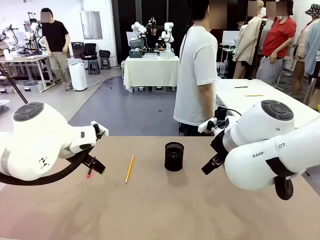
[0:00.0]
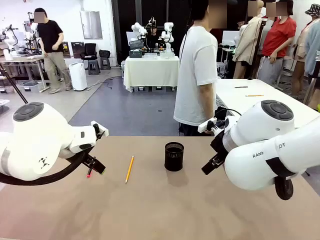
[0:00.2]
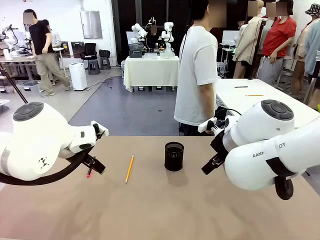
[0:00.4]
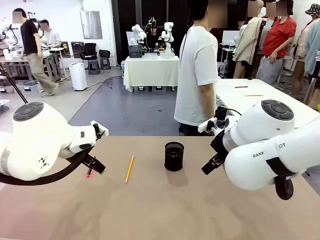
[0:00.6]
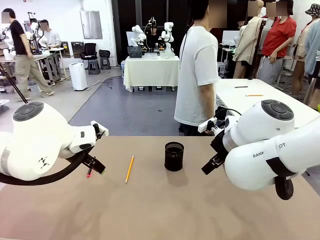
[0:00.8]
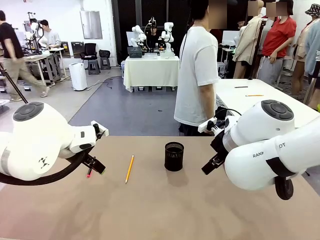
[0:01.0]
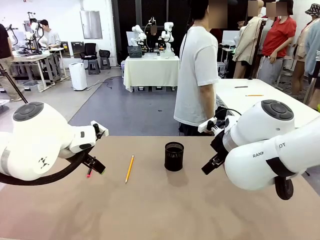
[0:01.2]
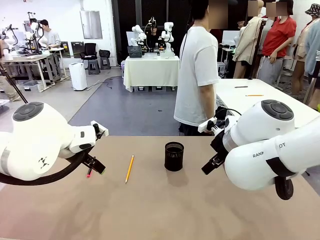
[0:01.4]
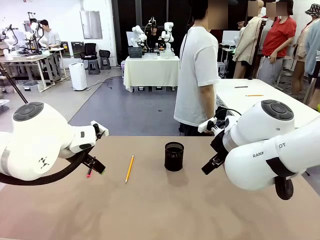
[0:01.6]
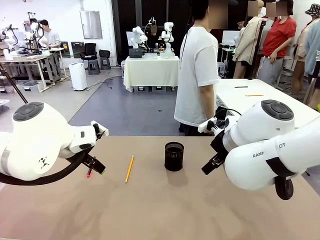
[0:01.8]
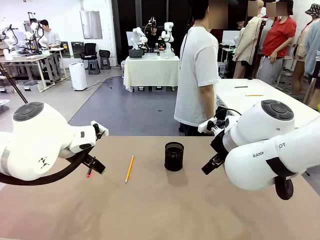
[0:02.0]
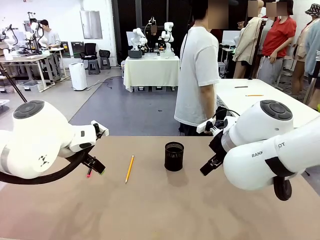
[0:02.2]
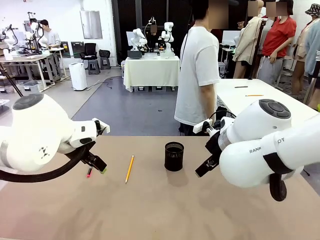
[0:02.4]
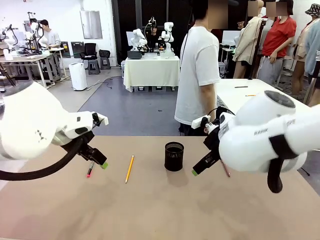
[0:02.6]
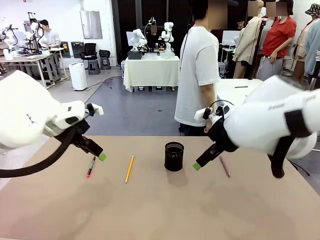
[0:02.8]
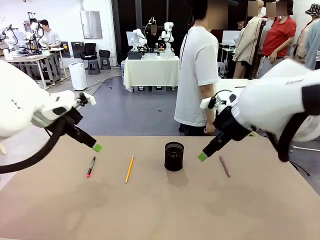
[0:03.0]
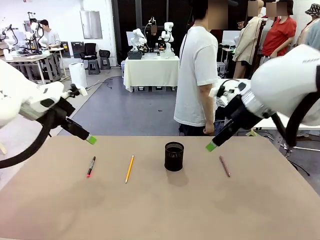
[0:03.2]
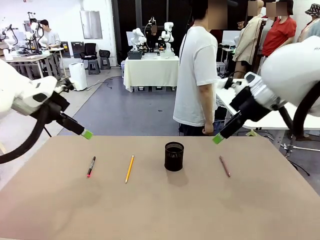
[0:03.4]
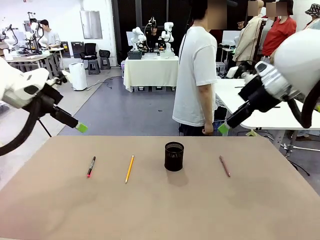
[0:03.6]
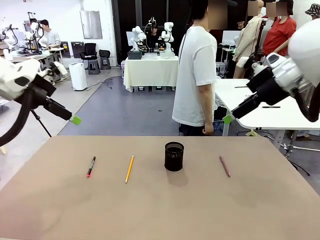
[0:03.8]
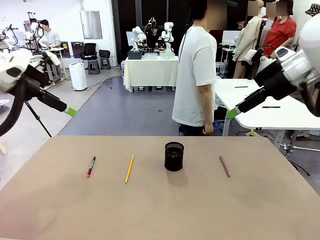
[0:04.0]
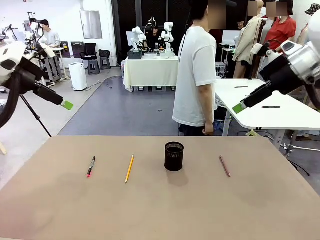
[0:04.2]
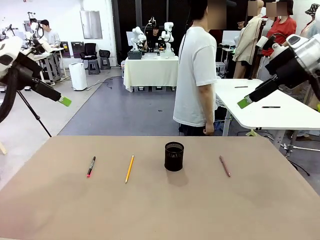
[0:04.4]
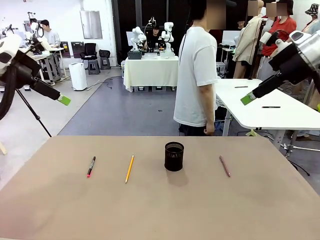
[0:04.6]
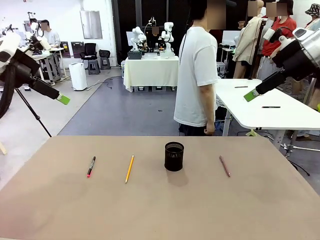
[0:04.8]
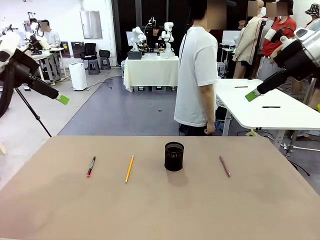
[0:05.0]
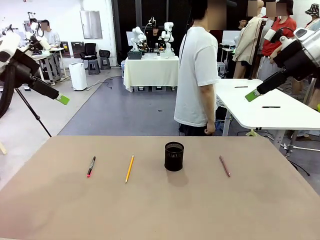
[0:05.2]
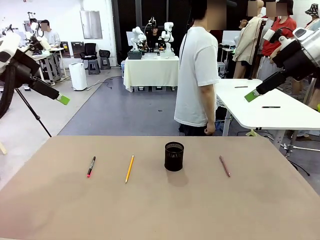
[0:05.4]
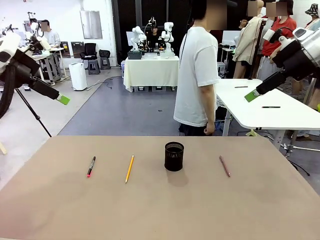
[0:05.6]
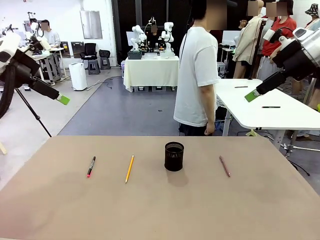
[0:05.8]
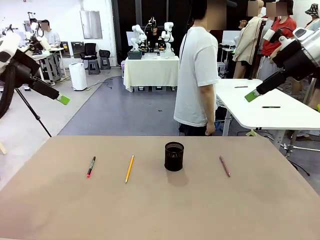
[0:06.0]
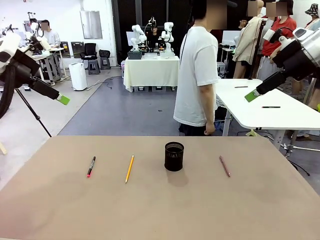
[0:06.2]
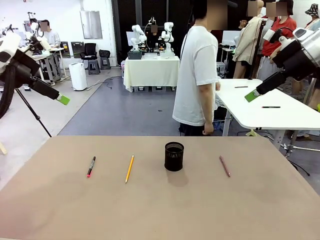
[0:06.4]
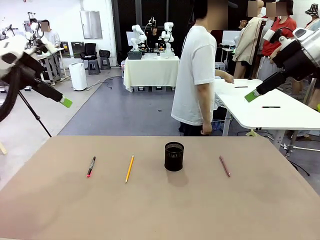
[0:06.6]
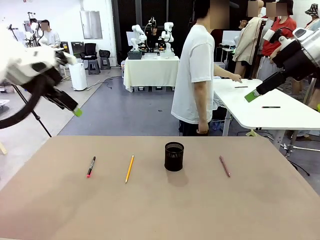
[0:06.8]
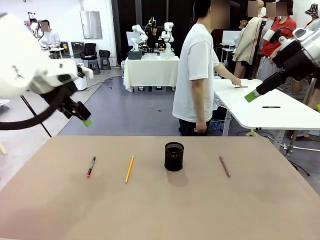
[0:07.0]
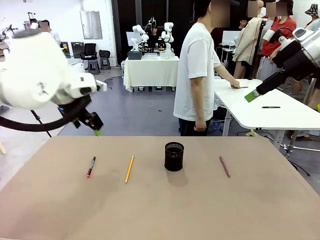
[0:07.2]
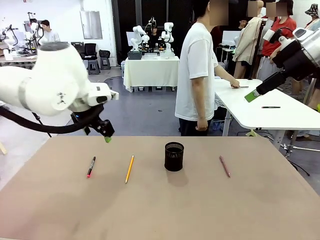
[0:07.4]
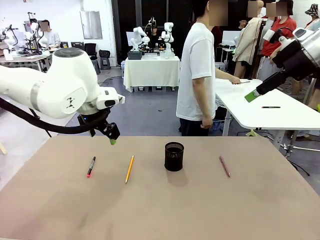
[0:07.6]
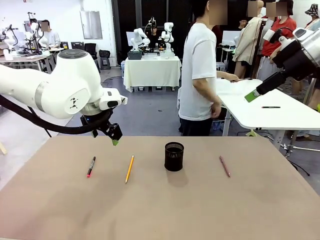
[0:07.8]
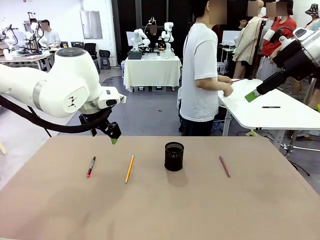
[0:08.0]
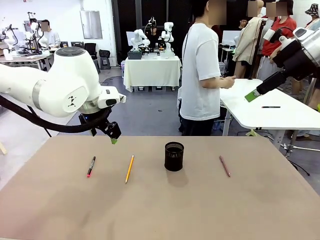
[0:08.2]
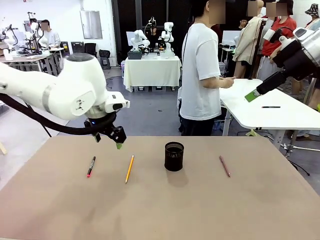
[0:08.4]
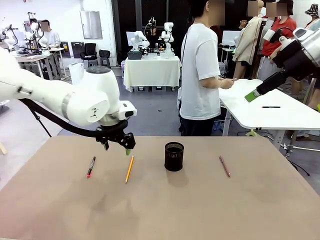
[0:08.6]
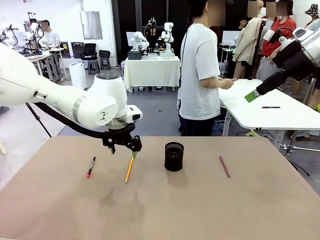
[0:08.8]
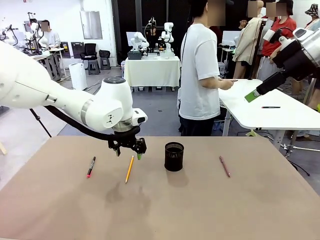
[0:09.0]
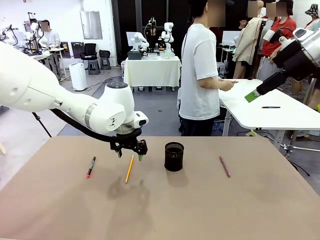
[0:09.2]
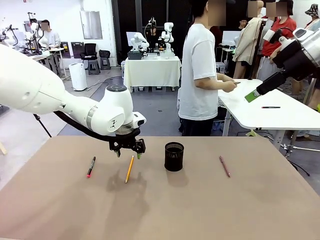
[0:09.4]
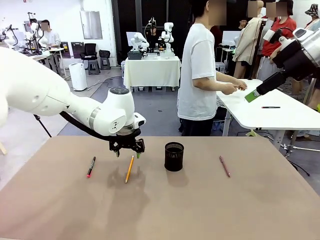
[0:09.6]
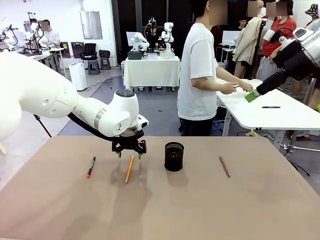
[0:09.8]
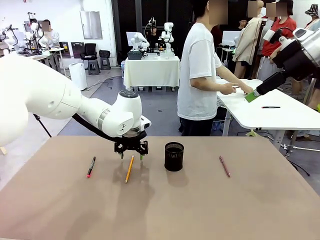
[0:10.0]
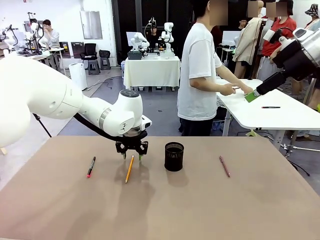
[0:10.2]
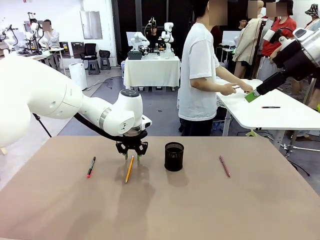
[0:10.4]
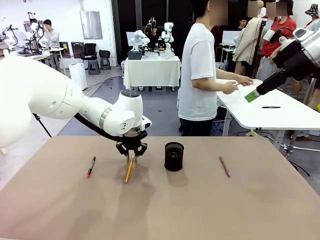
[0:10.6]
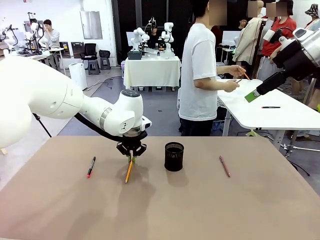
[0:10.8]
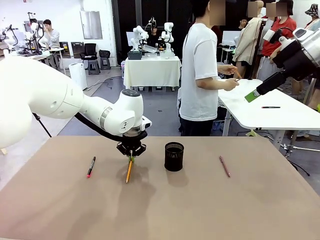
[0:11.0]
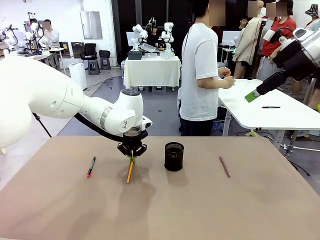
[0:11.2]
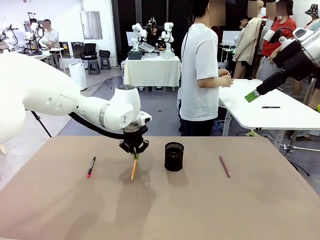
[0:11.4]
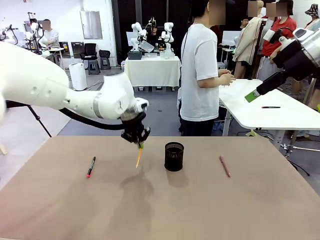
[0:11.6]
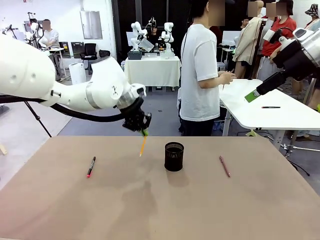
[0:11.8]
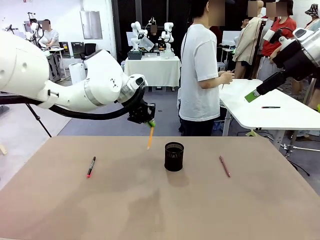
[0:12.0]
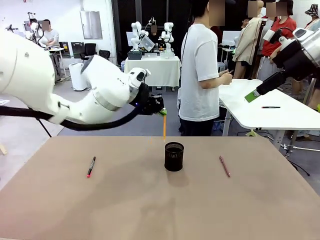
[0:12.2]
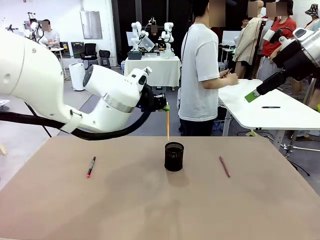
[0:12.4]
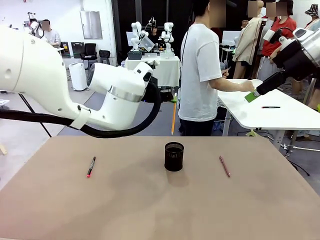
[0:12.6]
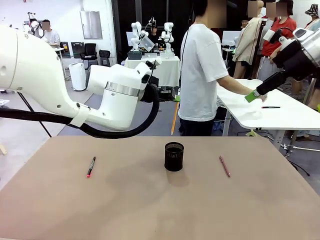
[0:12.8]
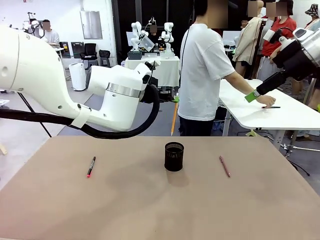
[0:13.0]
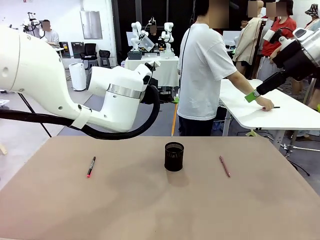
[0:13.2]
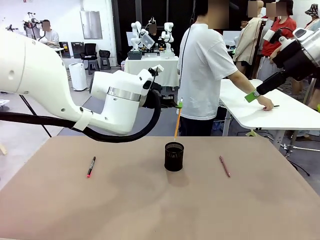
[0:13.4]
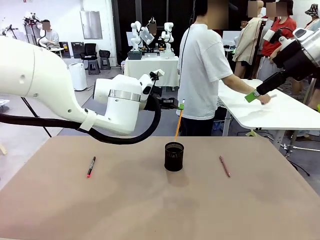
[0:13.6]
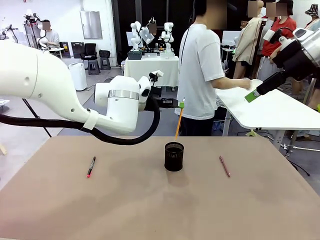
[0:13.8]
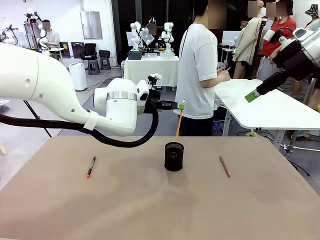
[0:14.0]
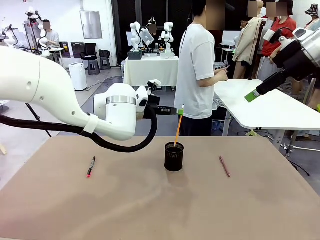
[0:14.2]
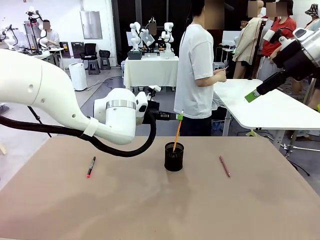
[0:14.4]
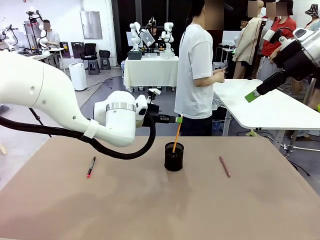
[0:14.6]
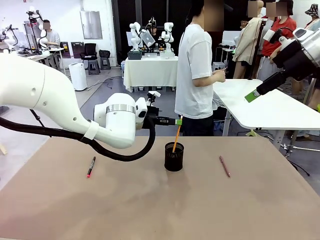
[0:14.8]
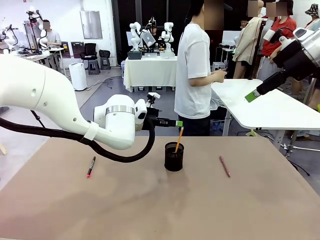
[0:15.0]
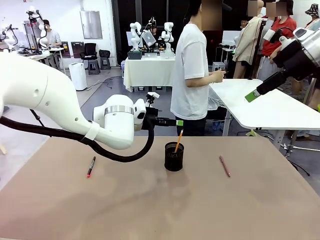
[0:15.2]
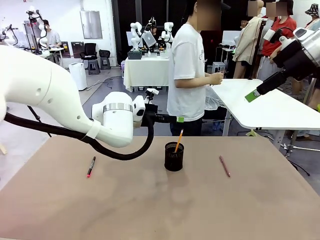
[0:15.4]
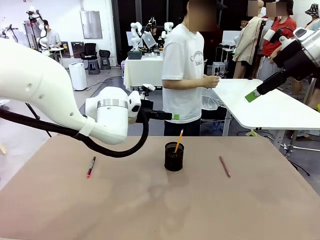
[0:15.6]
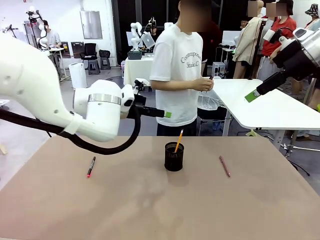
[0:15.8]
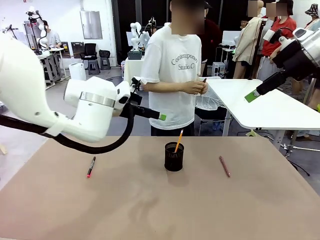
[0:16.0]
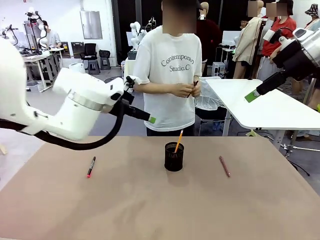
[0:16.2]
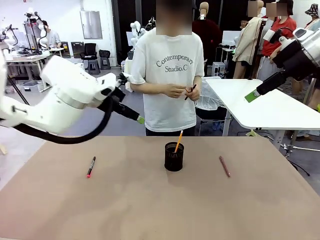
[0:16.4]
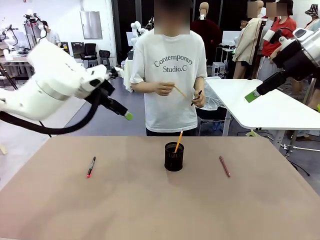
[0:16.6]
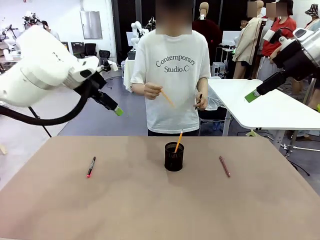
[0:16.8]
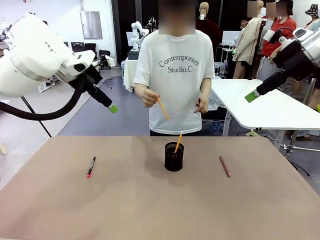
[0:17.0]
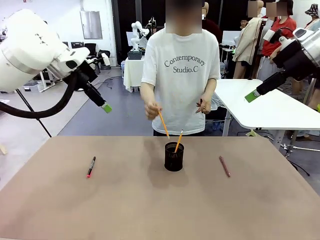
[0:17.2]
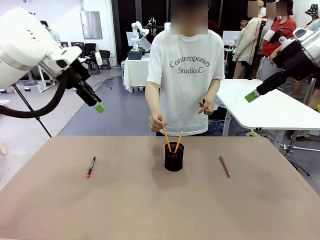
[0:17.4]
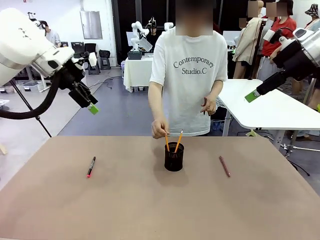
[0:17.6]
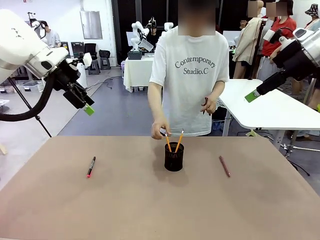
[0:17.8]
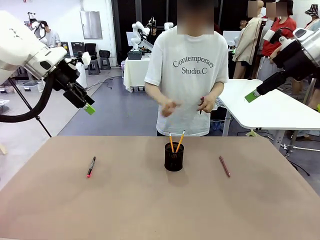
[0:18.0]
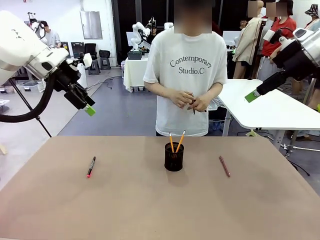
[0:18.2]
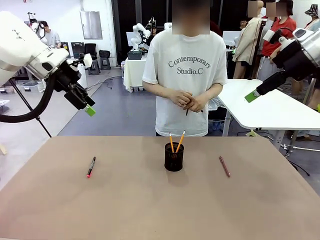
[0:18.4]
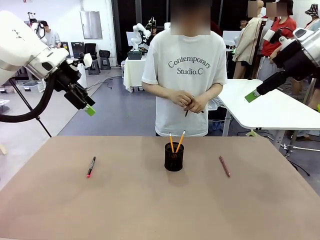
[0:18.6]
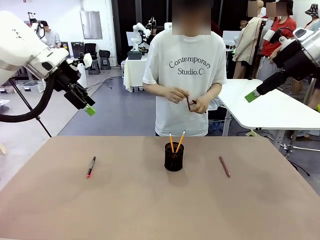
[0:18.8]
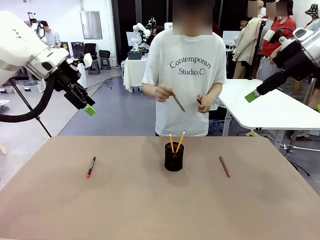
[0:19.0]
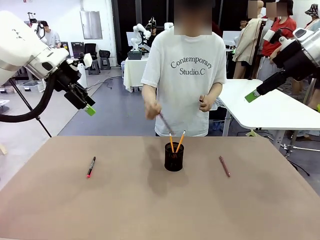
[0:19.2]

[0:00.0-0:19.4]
Task: Place the pens into the pen holder.
Robot: Pick up a writing instrument from the table and place it into the Pen holder.
Person: Pick up all writing instruments from the Human table.
